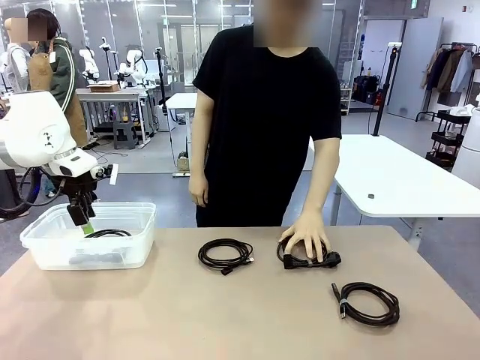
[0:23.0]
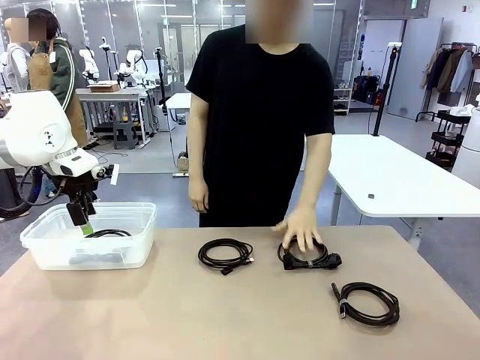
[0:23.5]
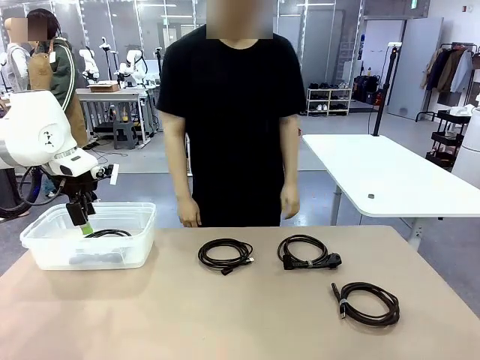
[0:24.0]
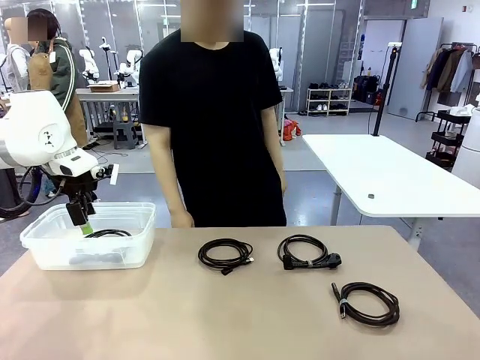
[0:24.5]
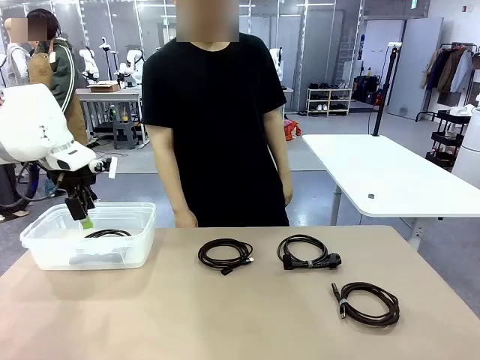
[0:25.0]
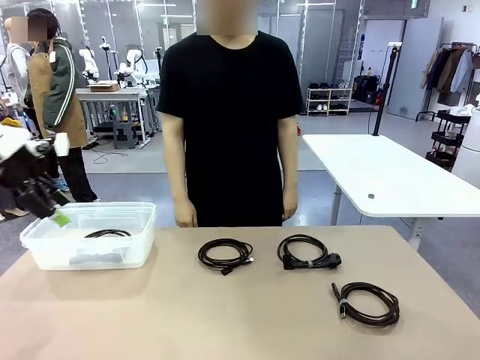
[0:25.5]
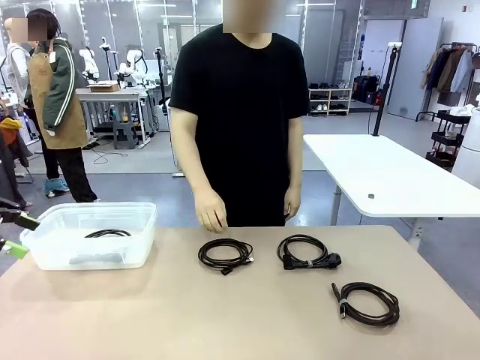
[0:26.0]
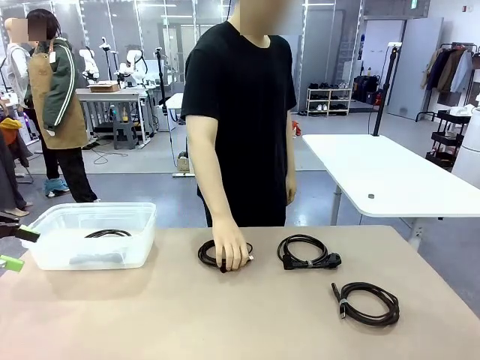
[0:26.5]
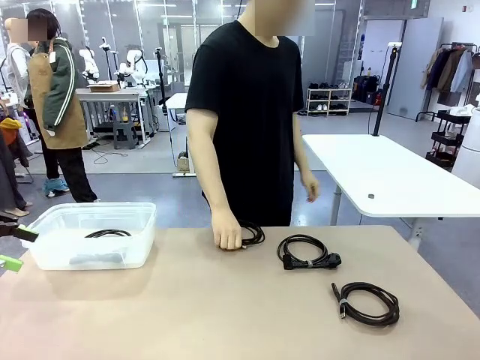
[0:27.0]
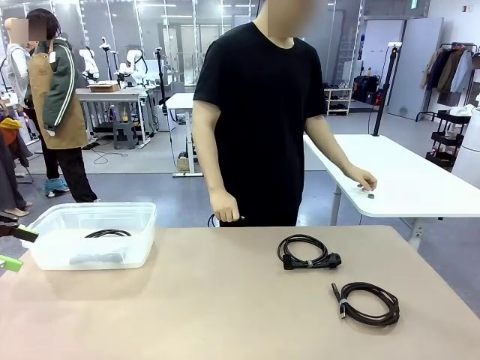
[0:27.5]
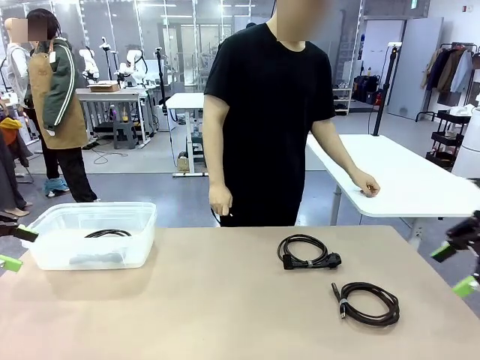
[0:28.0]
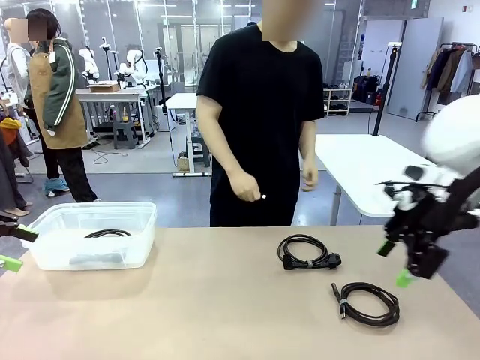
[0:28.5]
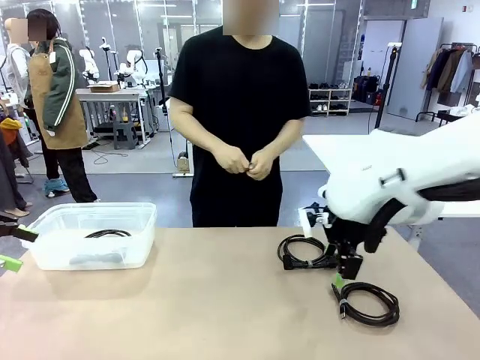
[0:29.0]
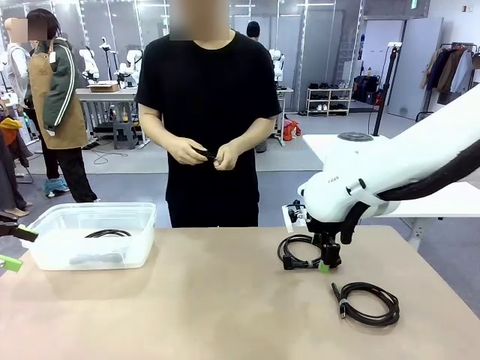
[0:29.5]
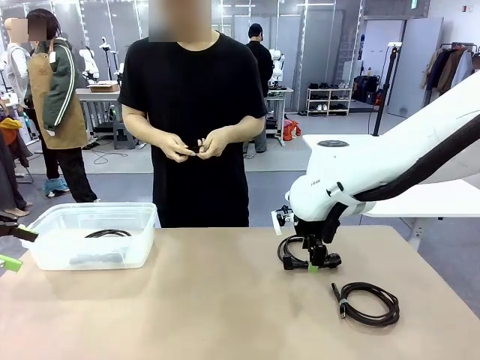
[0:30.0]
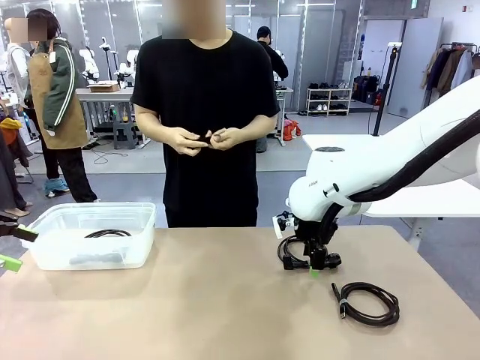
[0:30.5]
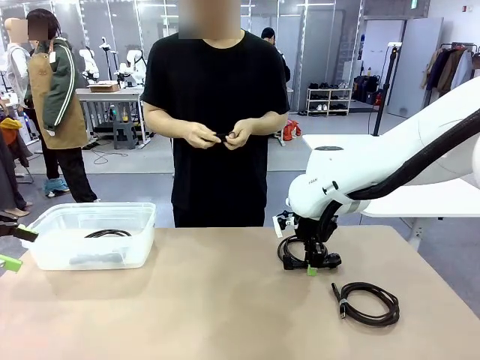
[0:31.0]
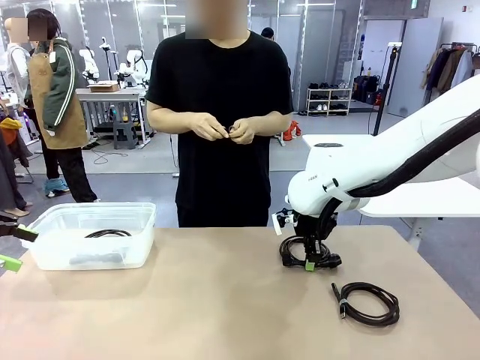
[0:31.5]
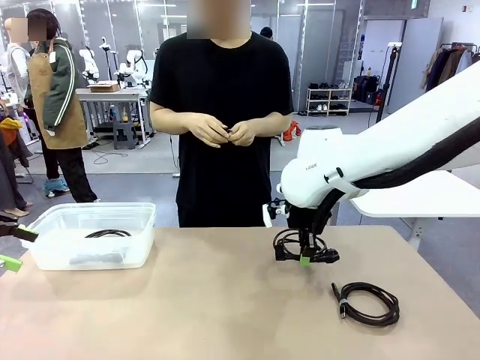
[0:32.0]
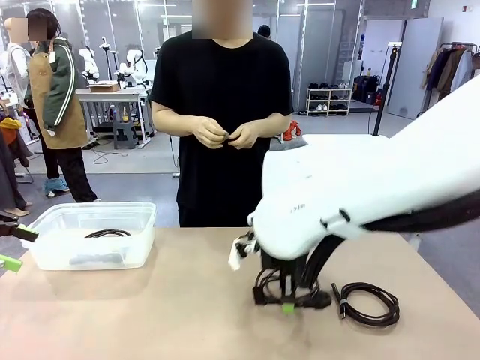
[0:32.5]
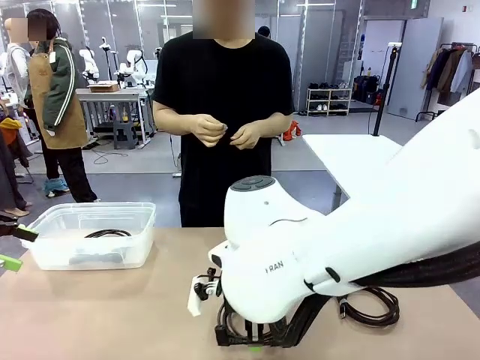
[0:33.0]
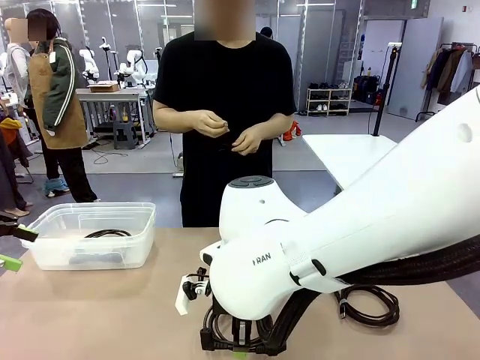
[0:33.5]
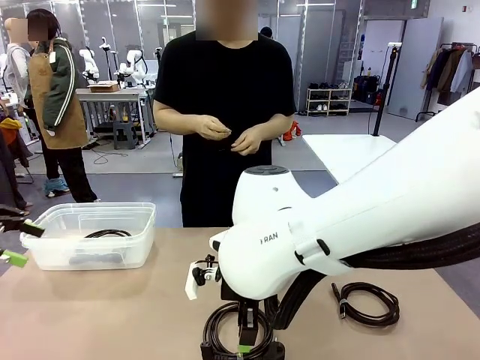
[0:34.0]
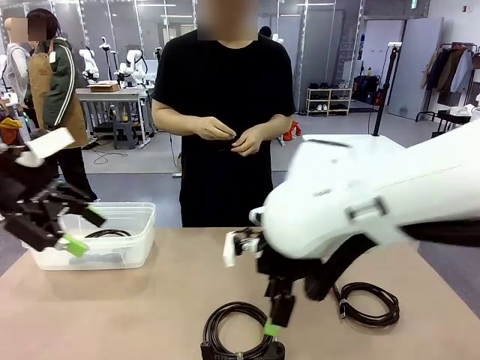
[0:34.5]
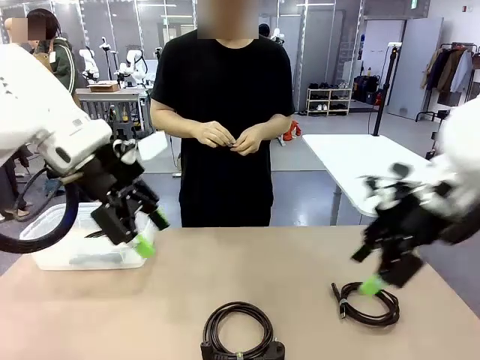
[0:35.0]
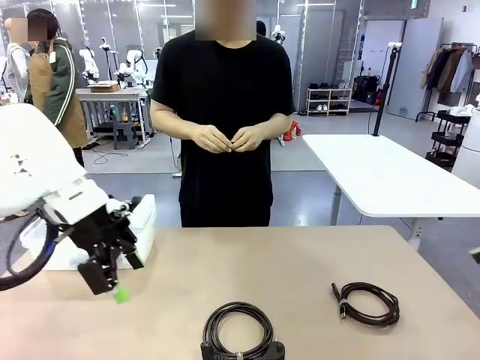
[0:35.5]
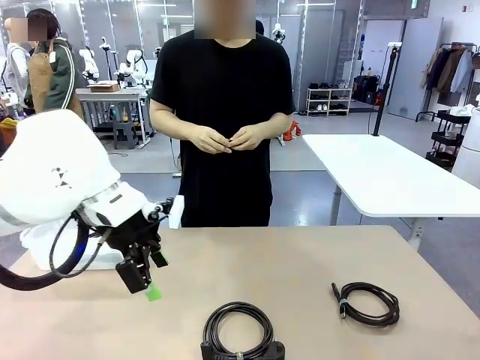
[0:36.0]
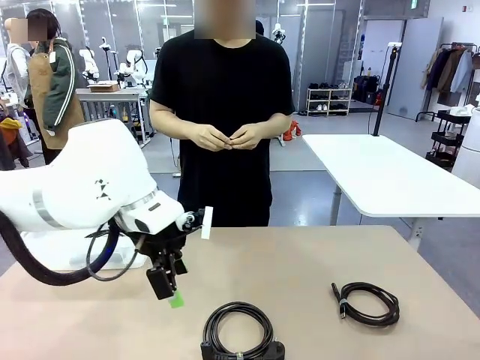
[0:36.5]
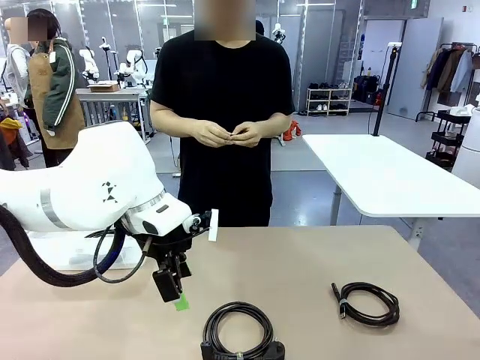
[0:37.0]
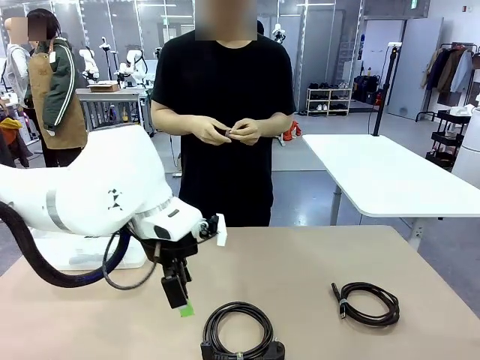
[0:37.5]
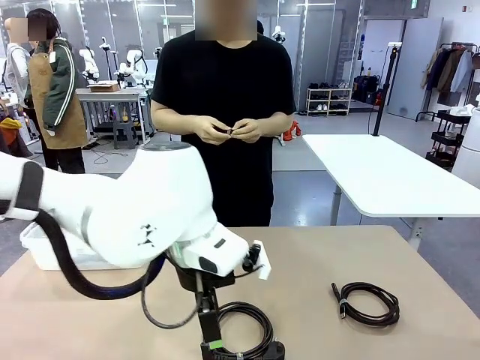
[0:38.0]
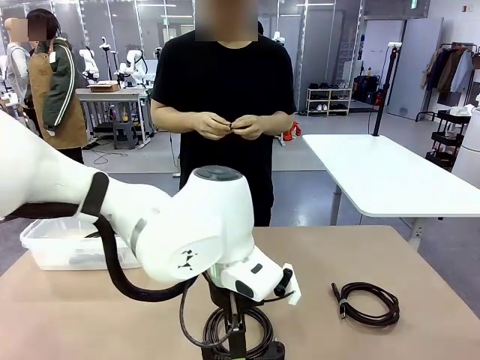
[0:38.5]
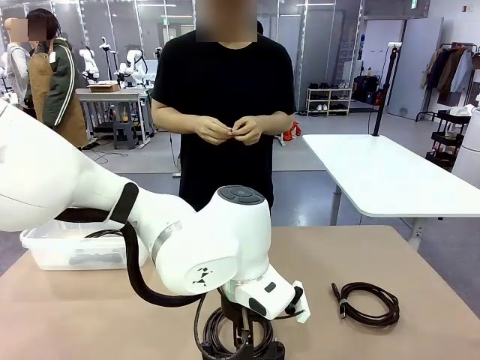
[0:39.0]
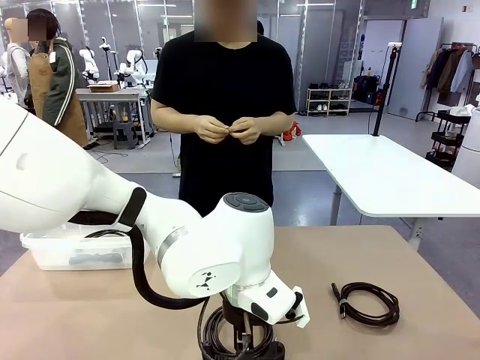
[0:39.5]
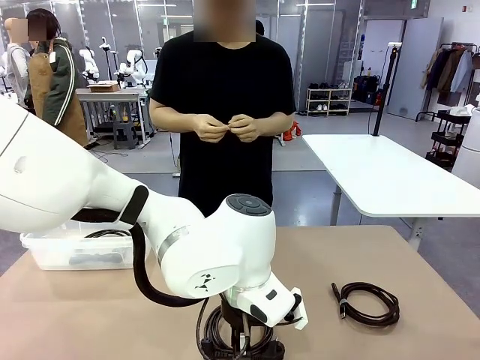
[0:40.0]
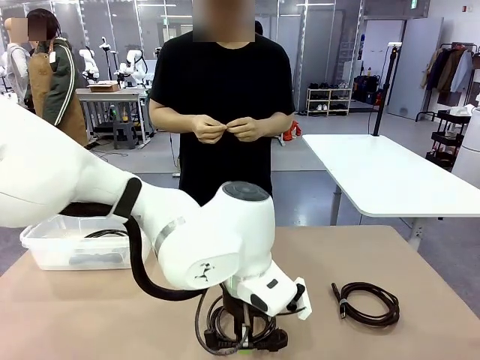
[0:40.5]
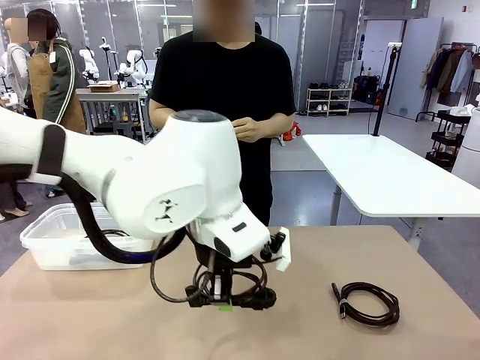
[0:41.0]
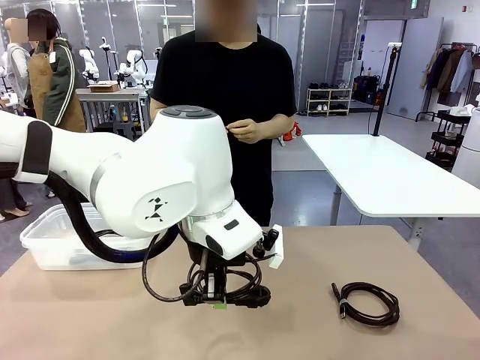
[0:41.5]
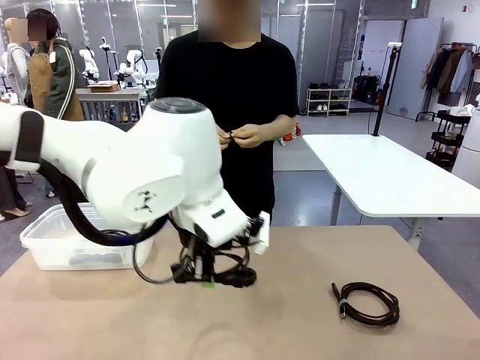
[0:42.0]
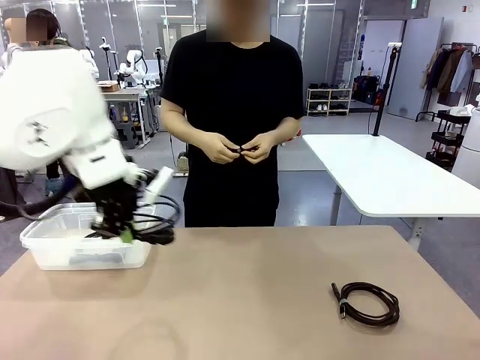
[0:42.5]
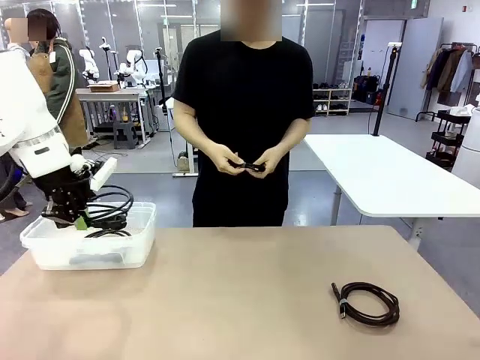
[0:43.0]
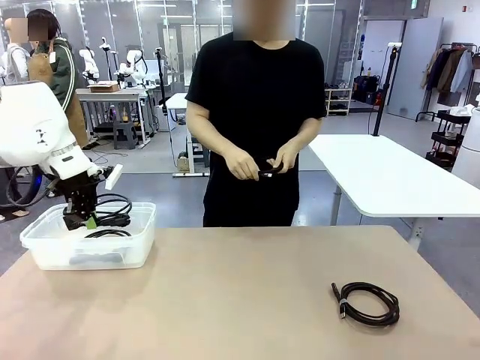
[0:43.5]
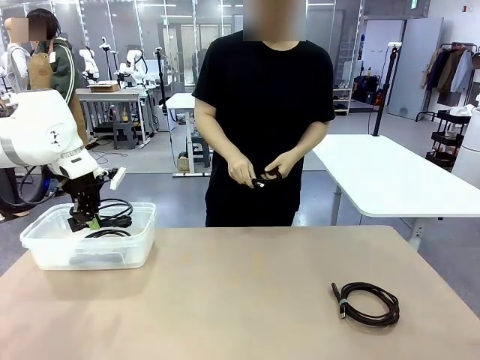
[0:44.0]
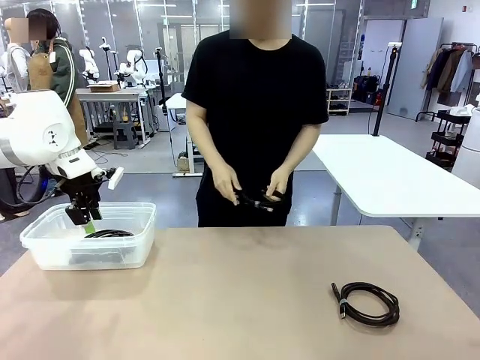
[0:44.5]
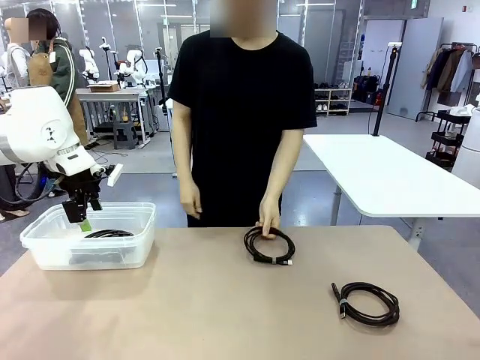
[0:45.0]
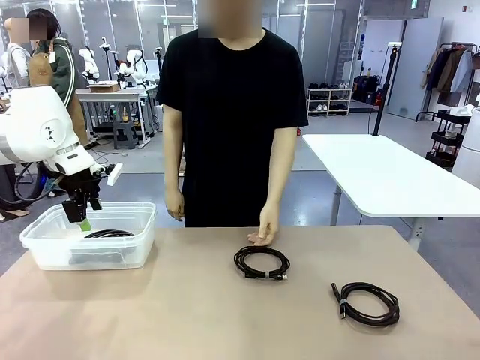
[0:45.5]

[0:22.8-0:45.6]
Task: Organize and store the cables.
Robot: Place the Power Cable into the Organizing box.
